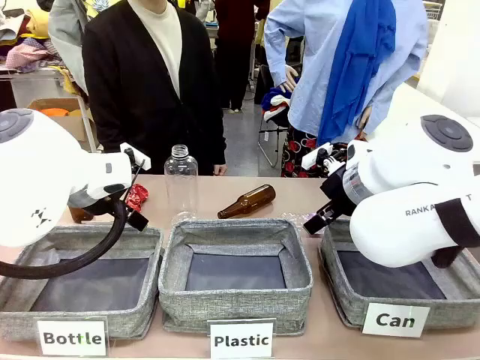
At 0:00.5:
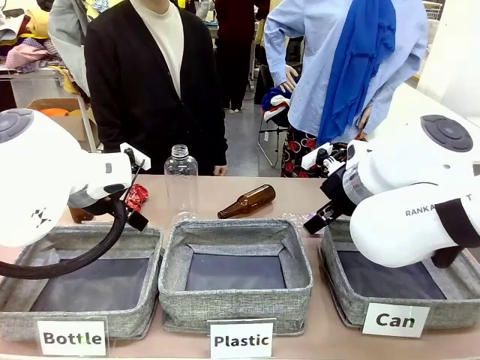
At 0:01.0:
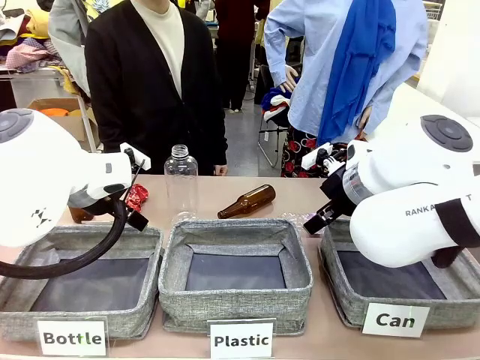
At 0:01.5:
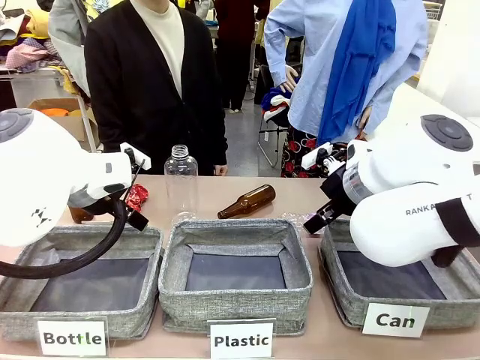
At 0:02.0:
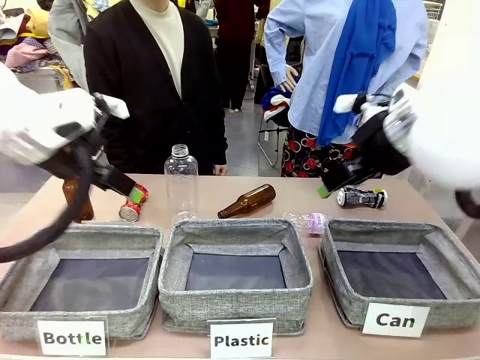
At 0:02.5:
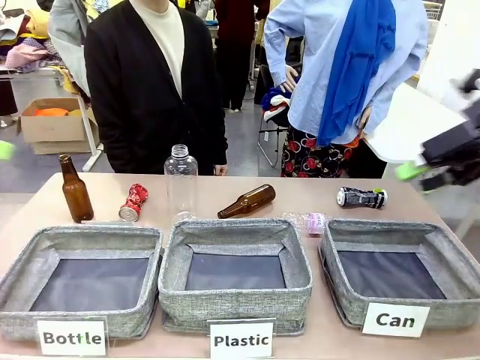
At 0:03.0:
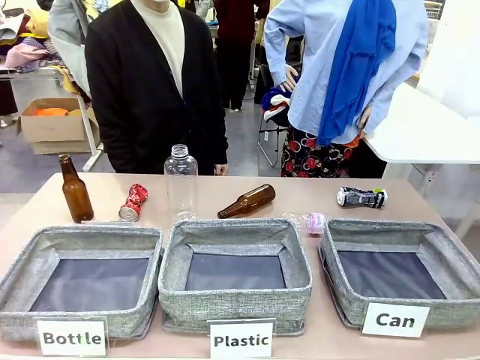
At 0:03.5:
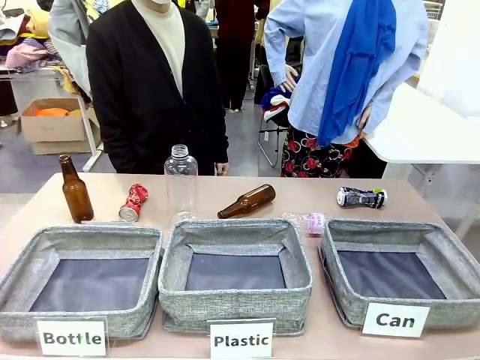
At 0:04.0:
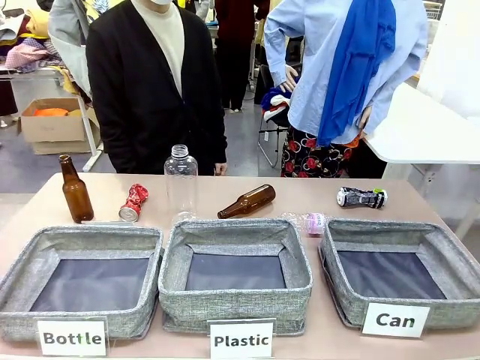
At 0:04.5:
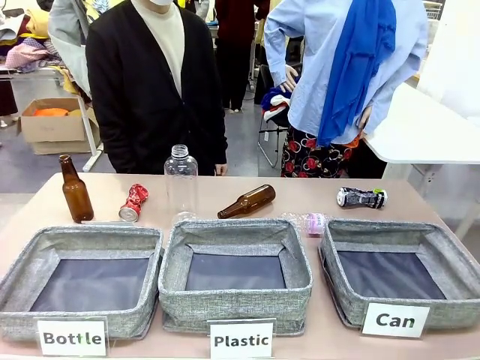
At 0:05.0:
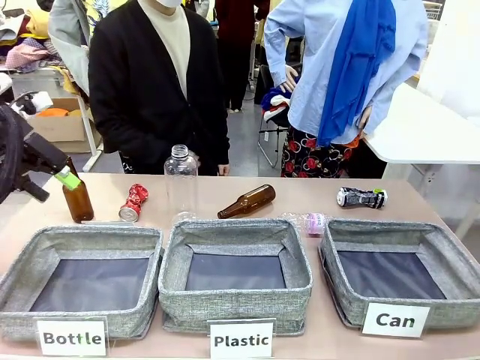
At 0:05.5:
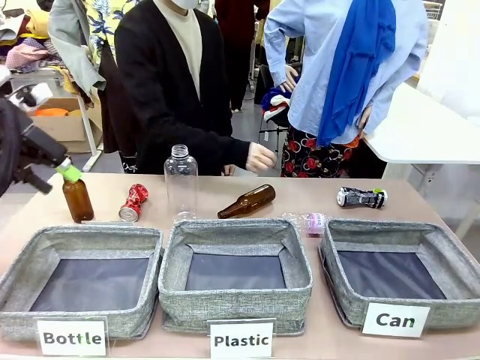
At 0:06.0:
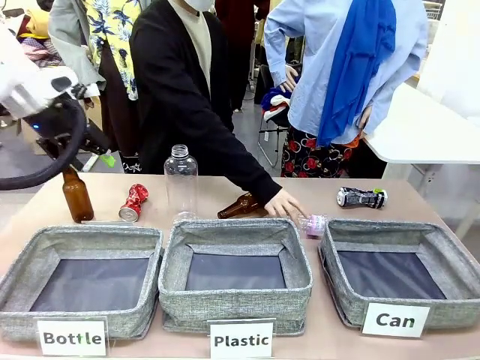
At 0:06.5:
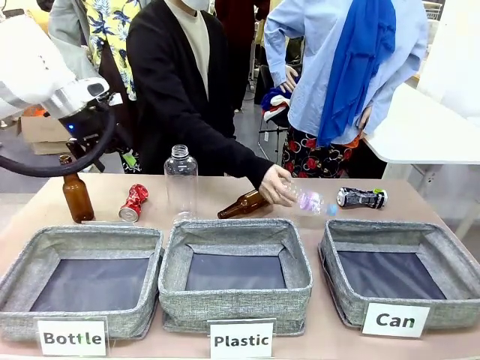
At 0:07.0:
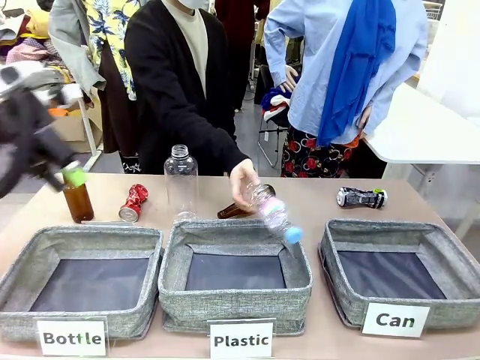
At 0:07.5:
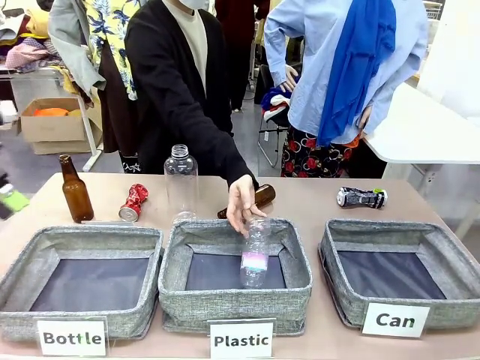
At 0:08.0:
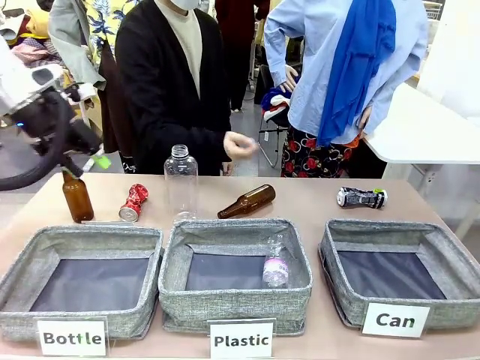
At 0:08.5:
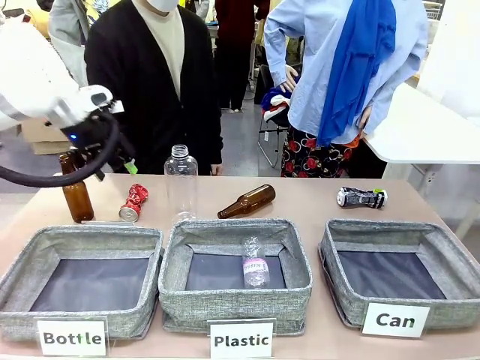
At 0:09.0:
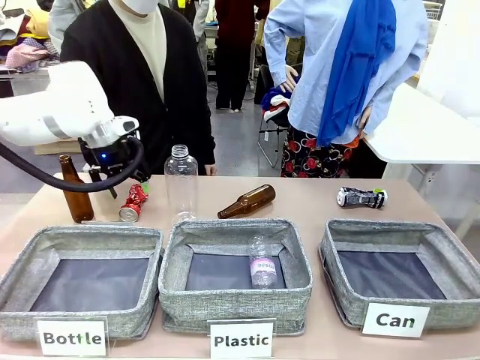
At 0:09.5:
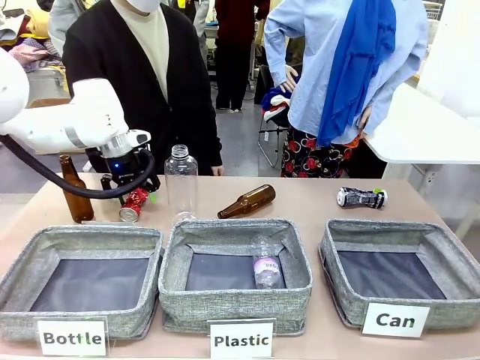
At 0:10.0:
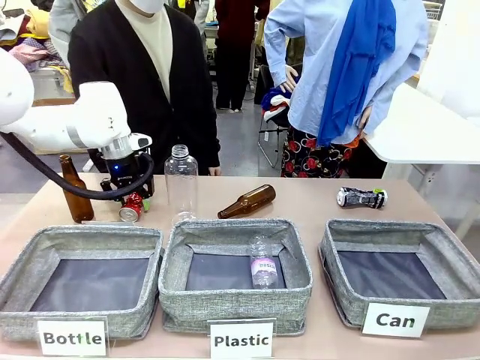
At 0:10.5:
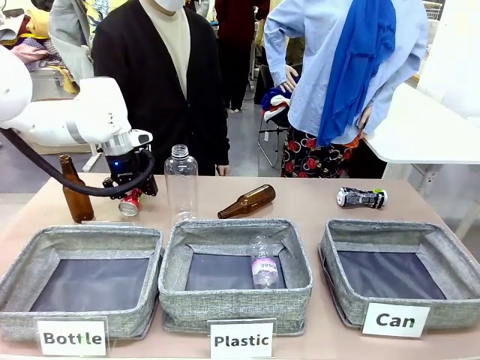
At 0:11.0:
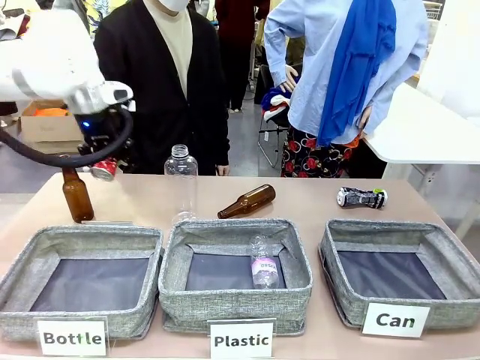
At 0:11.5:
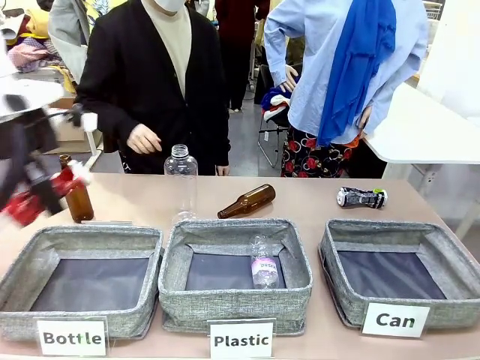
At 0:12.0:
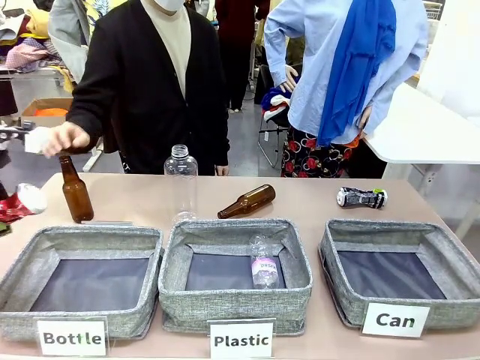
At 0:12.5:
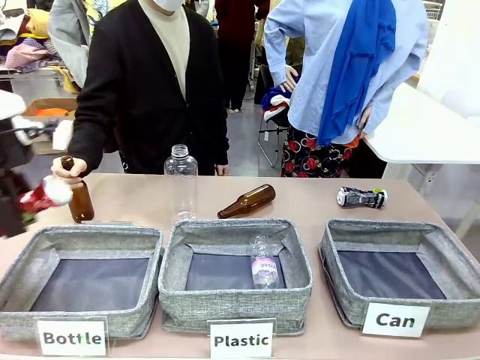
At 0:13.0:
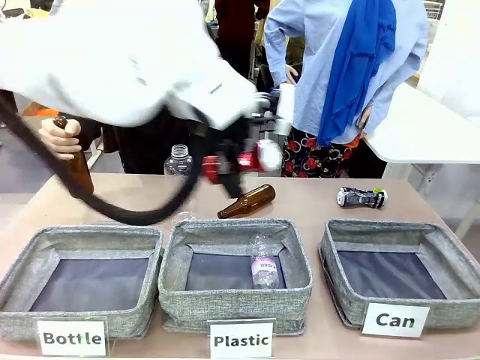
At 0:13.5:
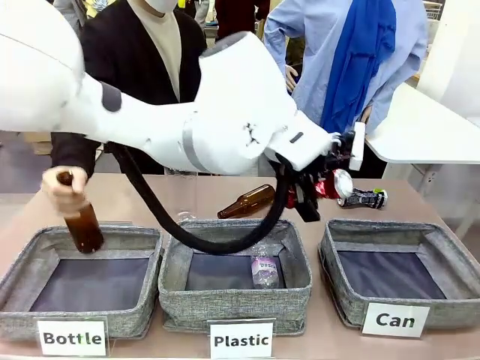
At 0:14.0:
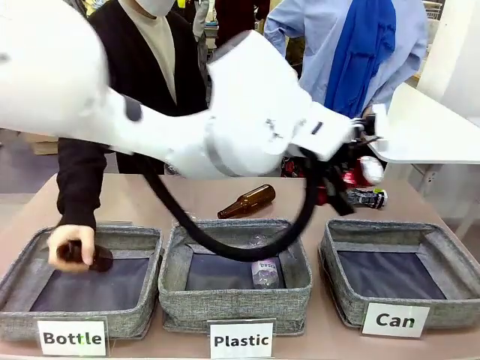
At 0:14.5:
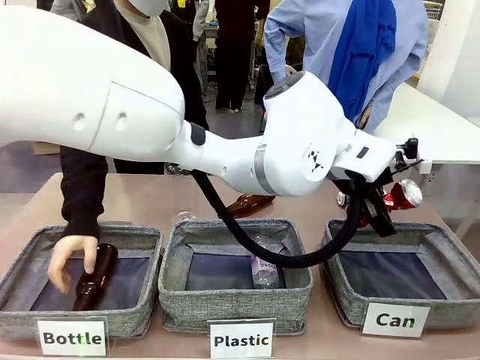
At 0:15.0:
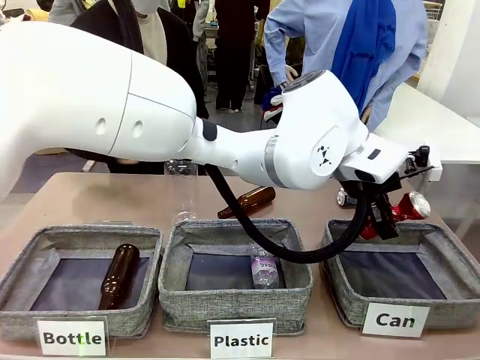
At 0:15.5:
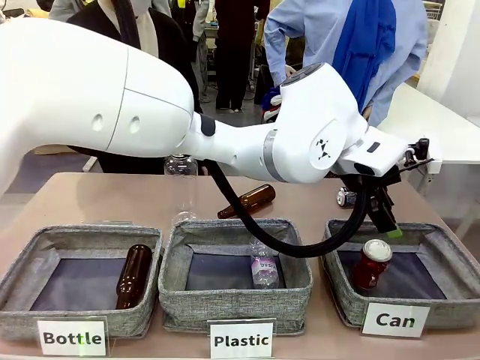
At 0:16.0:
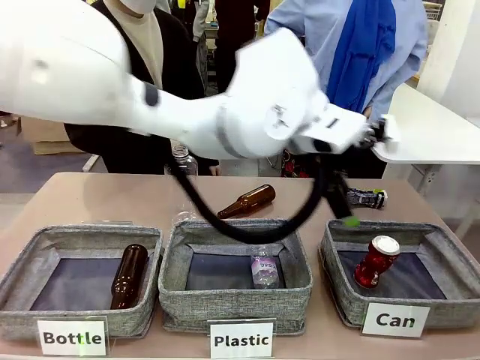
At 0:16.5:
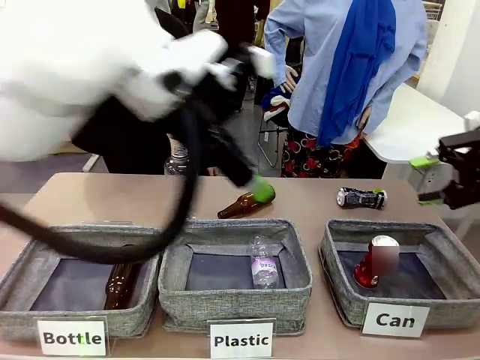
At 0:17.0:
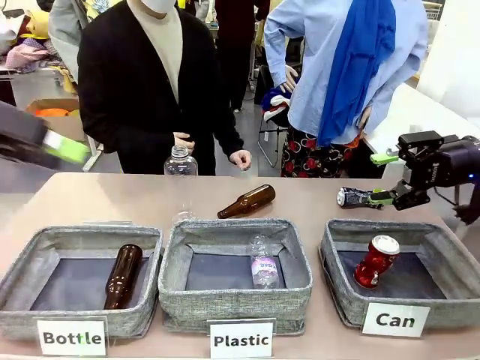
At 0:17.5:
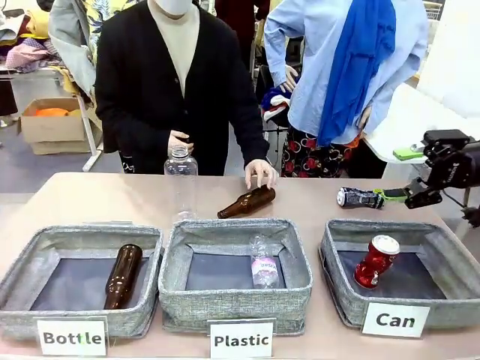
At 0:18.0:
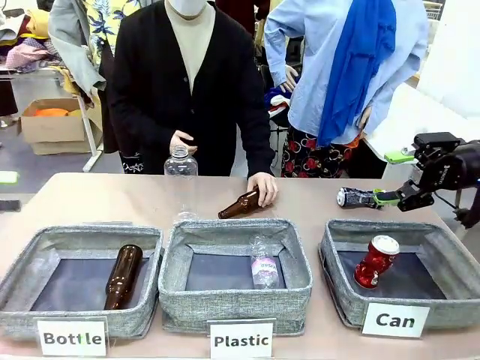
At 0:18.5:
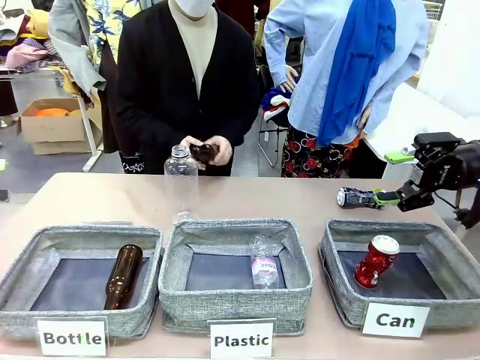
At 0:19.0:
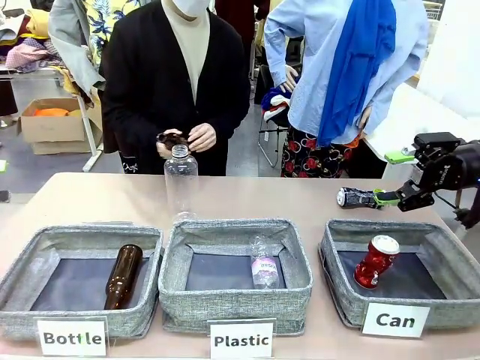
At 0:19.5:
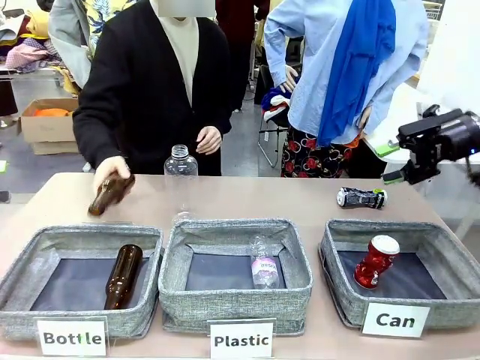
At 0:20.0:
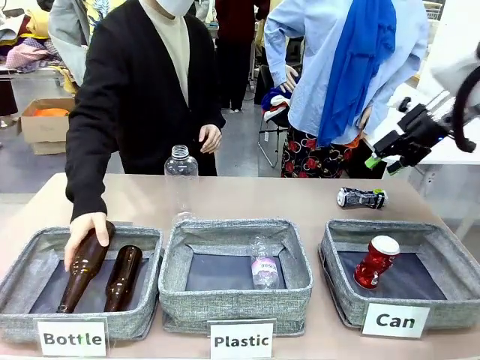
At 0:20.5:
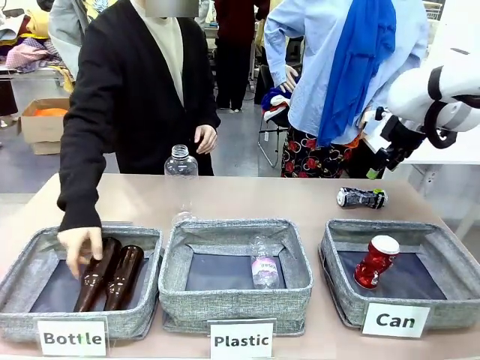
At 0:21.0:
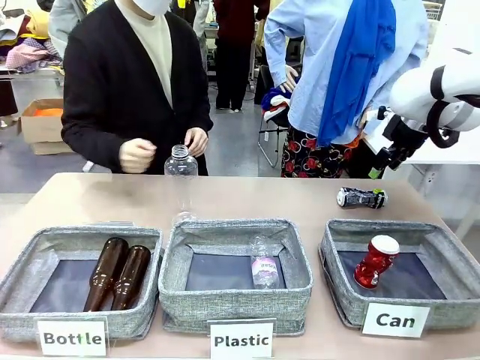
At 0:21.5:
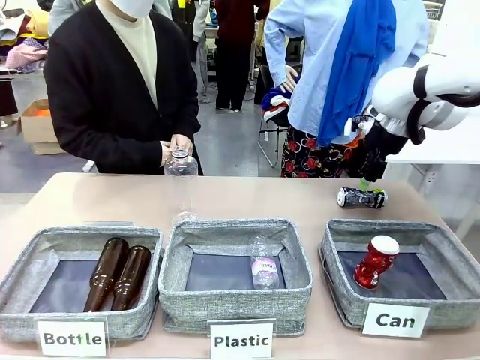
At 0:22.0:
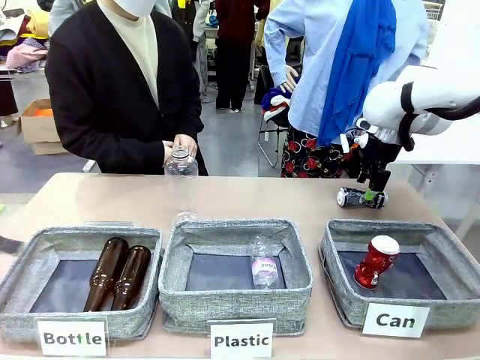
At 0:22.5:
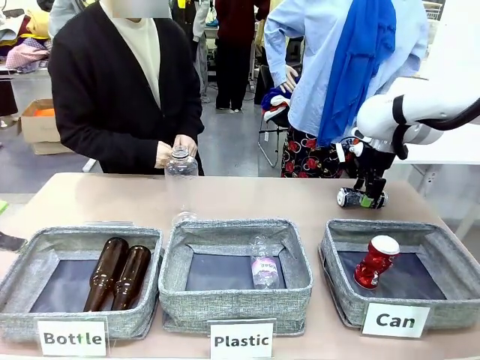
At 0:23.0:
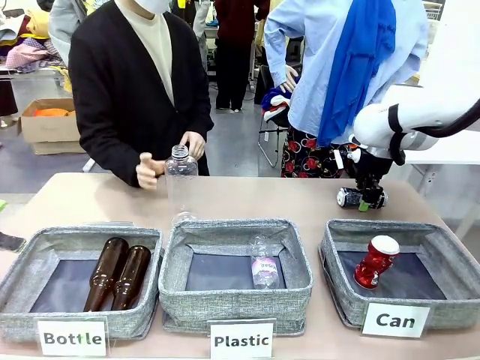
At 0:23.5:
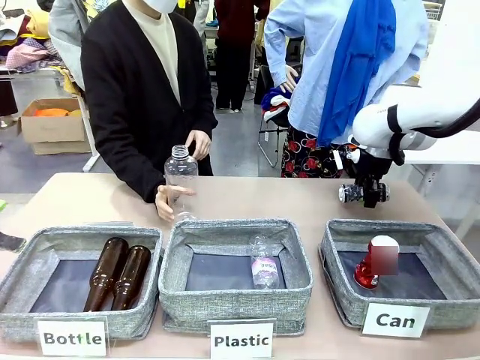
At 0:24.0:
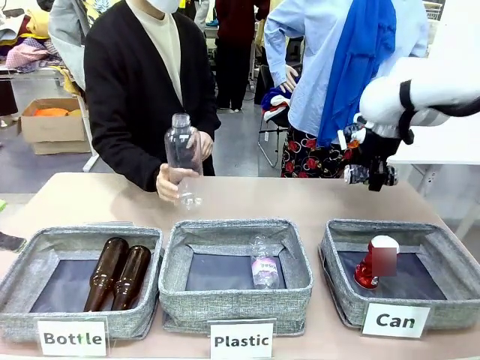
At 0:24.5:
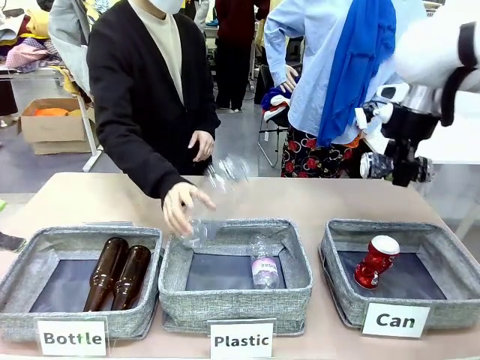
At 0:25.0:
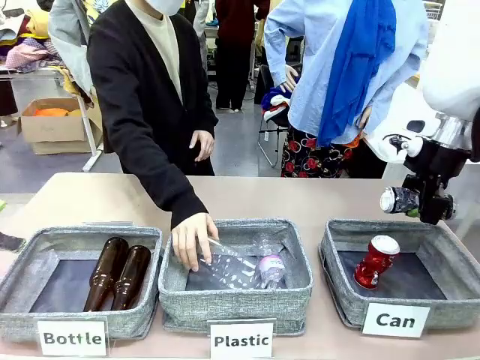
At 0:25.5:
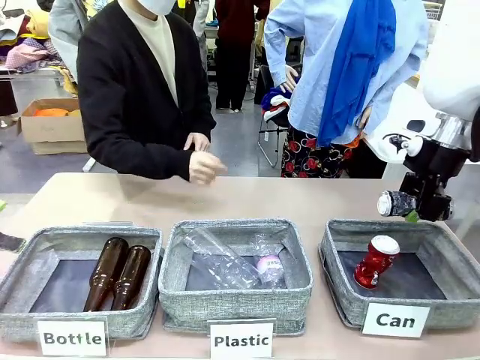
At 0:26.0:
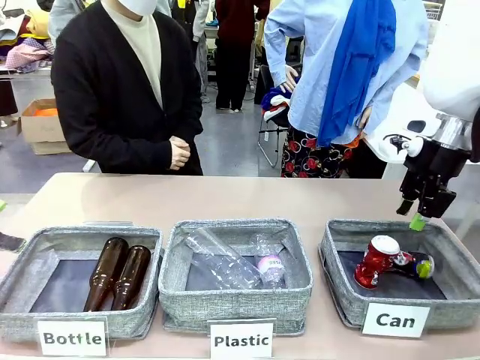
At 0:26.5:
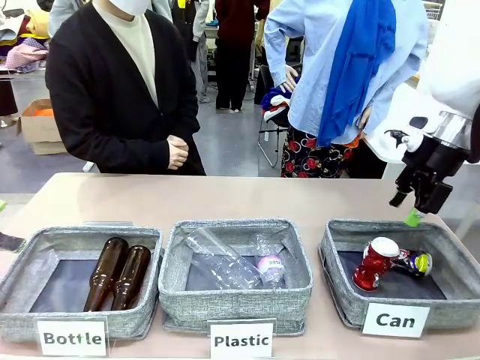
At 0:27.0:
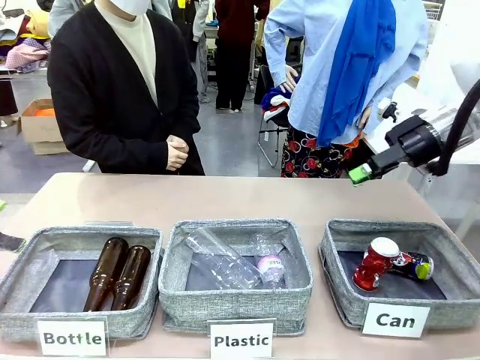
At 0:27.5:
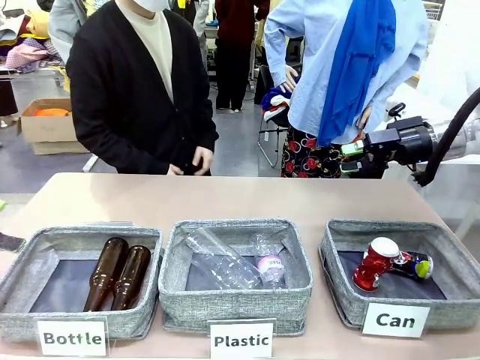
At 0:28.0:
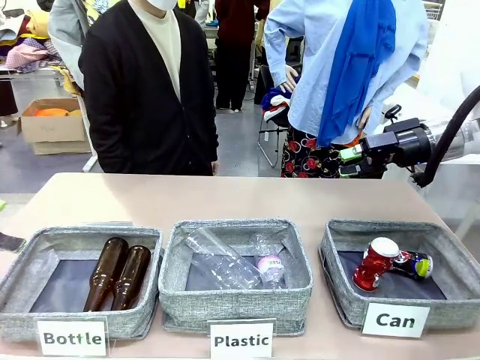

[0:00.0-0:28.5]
Task: Sort the can waste into the basket.
Robot: Pick up the can waste from the table and place it in the right Fabric basket.
Person: The human picks up one piece of trash that is not a can and places the trash into the appropriate organizing basket.
